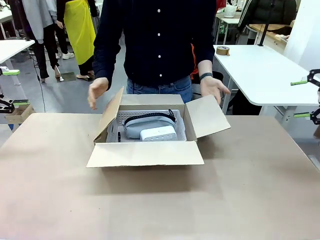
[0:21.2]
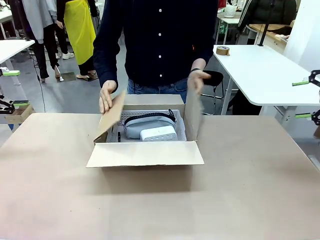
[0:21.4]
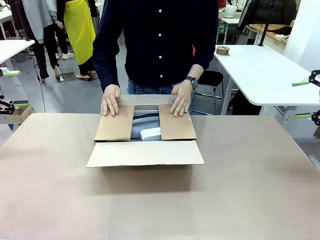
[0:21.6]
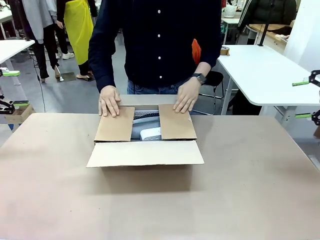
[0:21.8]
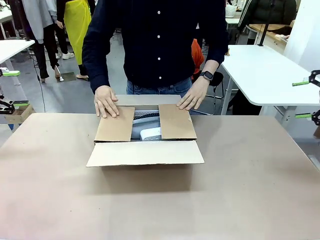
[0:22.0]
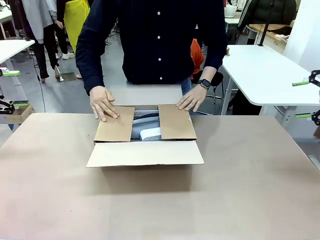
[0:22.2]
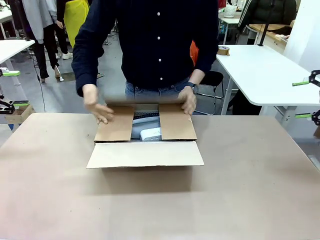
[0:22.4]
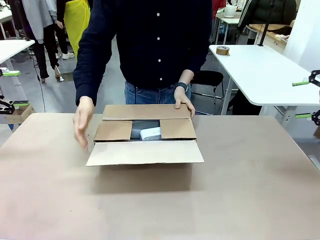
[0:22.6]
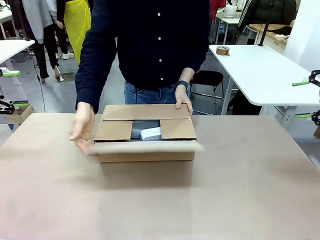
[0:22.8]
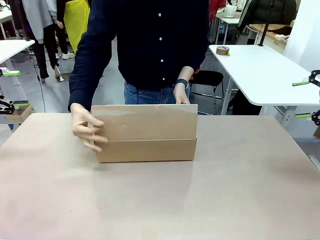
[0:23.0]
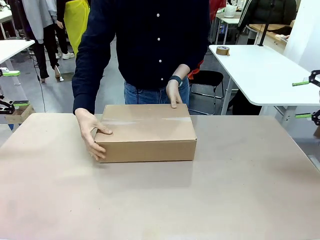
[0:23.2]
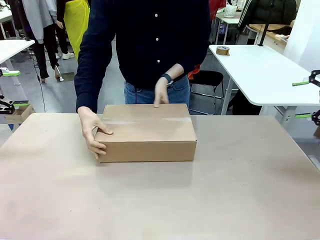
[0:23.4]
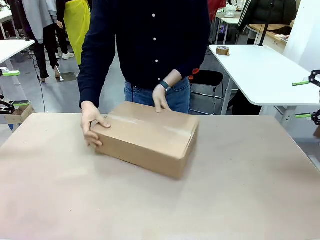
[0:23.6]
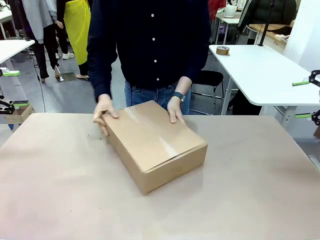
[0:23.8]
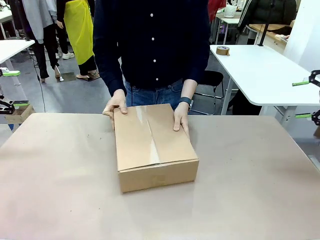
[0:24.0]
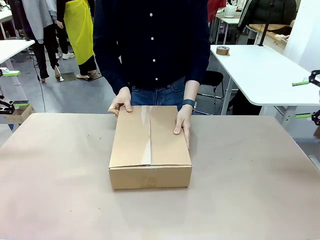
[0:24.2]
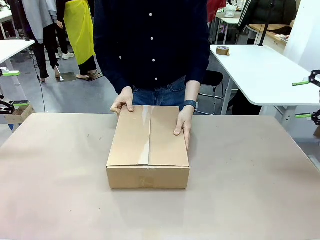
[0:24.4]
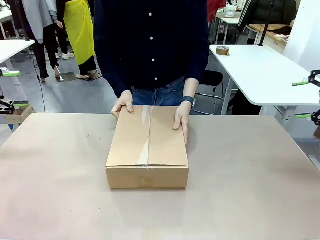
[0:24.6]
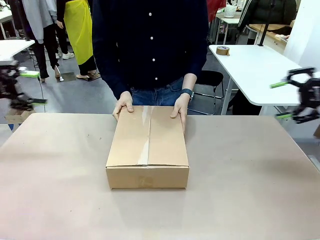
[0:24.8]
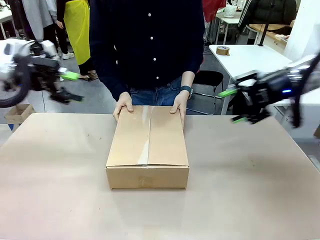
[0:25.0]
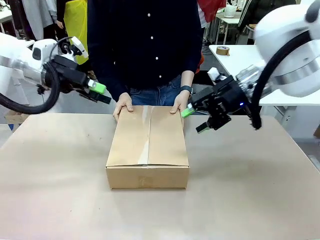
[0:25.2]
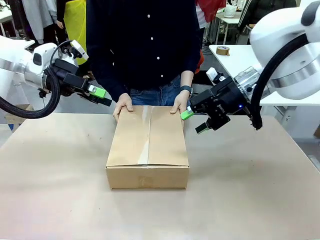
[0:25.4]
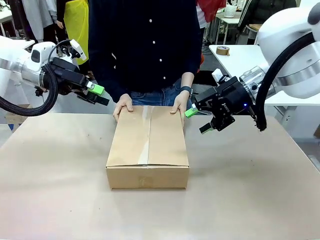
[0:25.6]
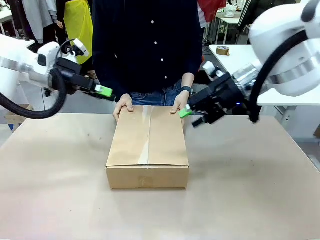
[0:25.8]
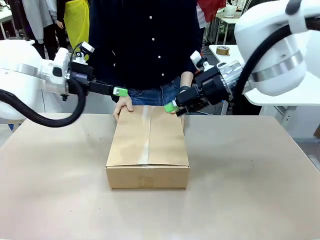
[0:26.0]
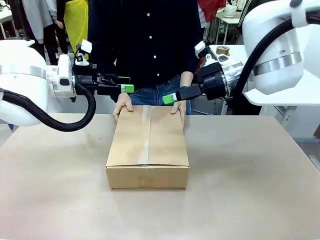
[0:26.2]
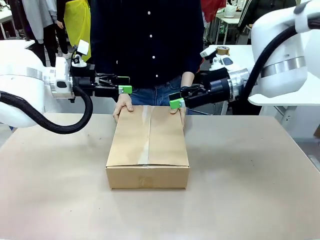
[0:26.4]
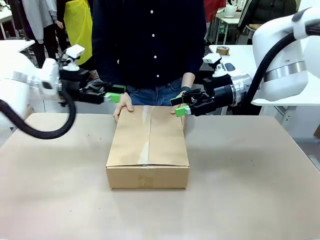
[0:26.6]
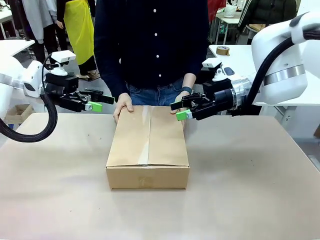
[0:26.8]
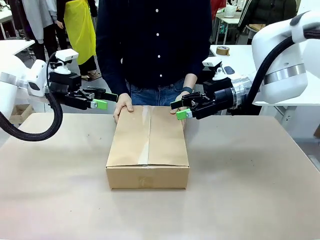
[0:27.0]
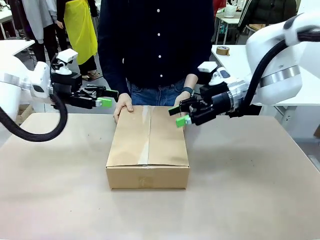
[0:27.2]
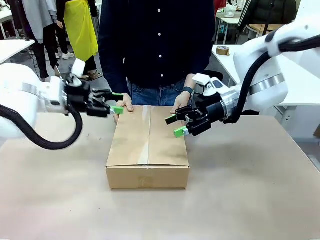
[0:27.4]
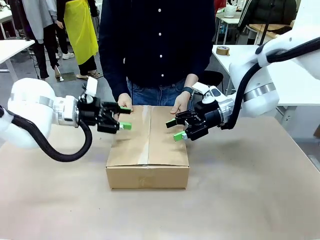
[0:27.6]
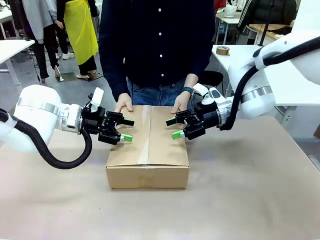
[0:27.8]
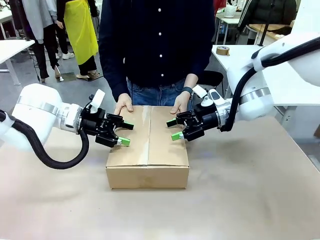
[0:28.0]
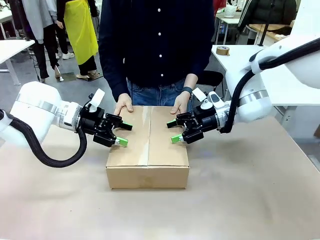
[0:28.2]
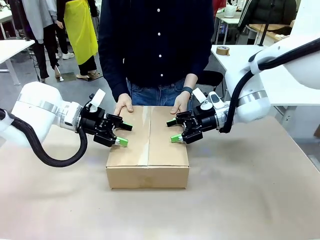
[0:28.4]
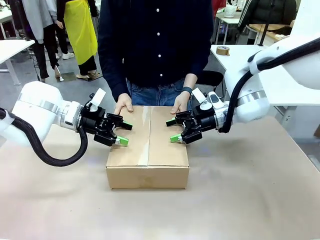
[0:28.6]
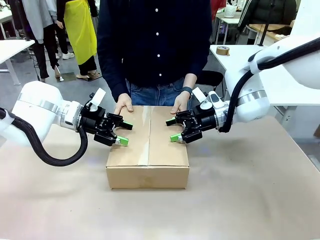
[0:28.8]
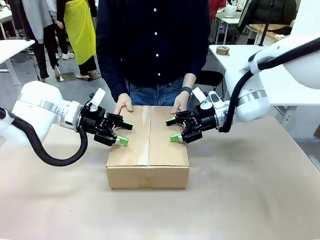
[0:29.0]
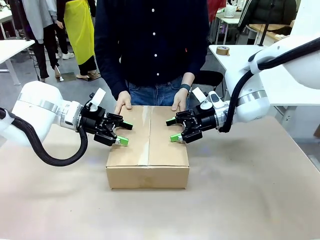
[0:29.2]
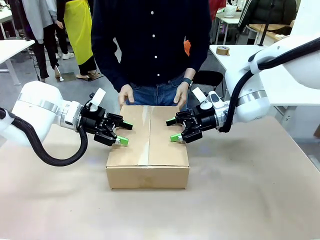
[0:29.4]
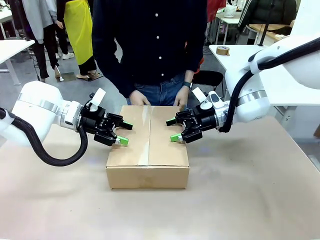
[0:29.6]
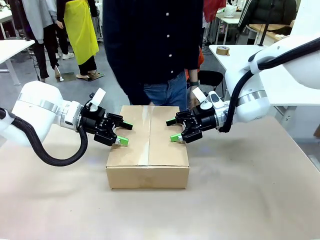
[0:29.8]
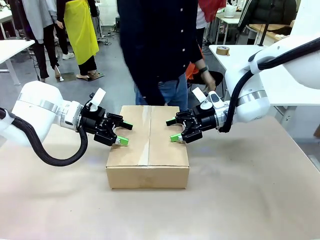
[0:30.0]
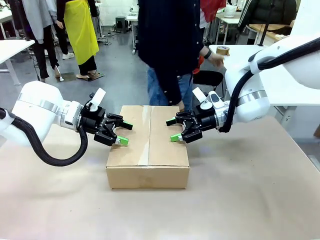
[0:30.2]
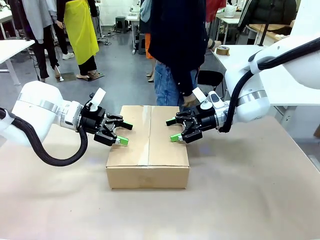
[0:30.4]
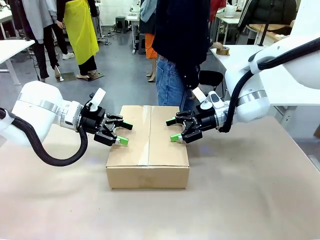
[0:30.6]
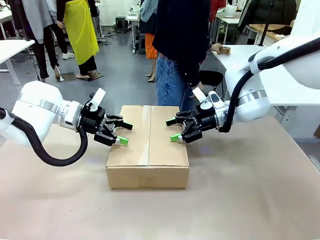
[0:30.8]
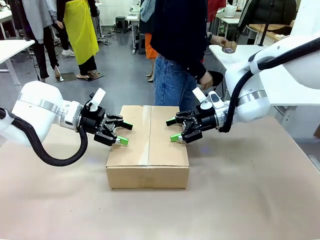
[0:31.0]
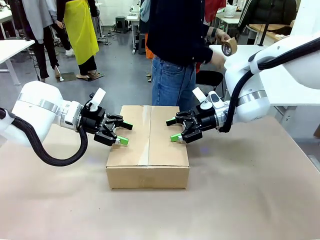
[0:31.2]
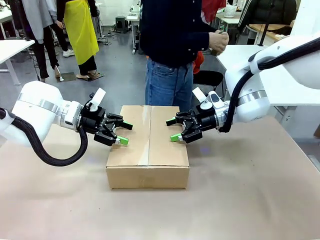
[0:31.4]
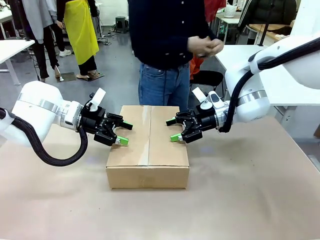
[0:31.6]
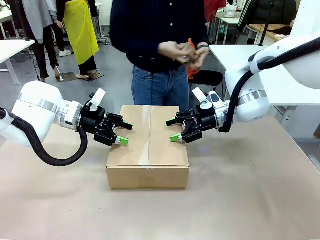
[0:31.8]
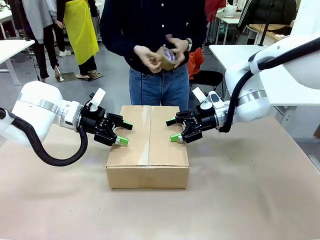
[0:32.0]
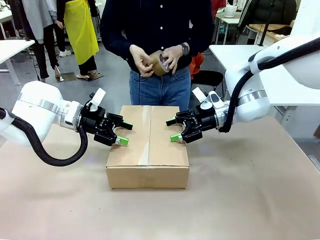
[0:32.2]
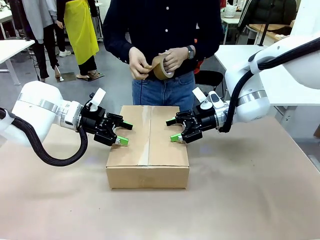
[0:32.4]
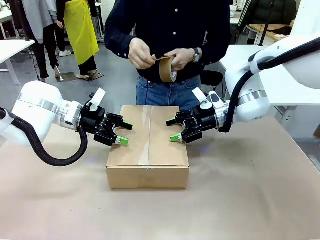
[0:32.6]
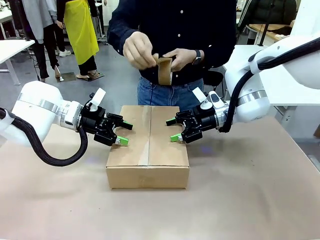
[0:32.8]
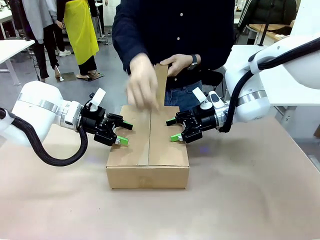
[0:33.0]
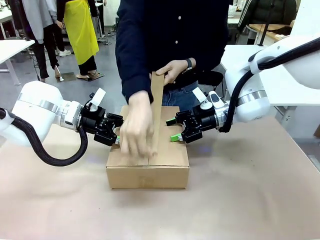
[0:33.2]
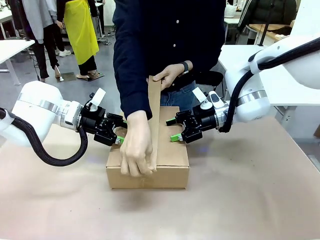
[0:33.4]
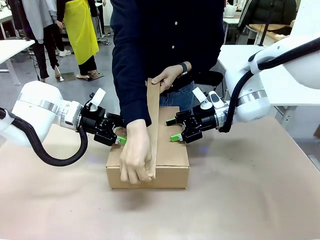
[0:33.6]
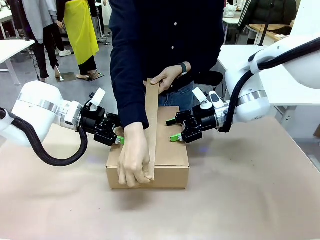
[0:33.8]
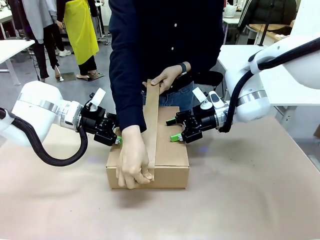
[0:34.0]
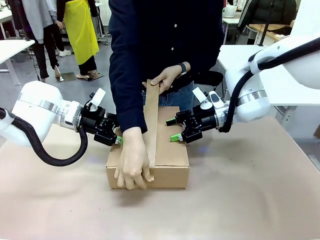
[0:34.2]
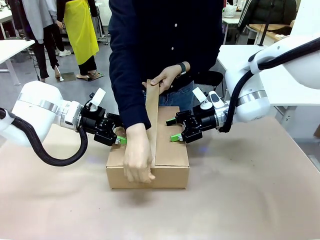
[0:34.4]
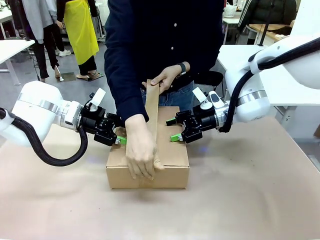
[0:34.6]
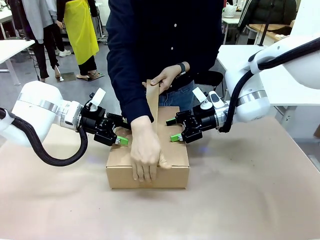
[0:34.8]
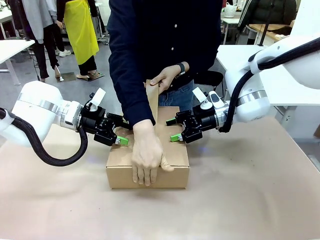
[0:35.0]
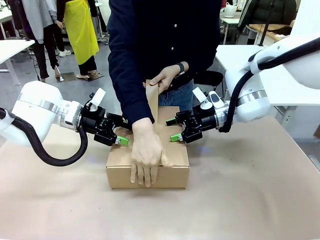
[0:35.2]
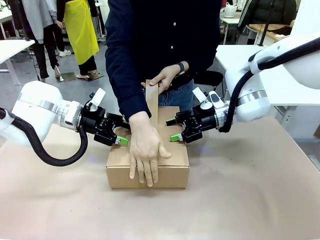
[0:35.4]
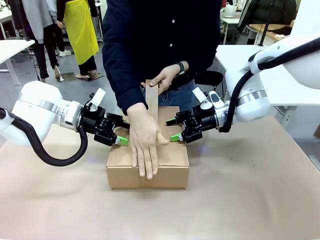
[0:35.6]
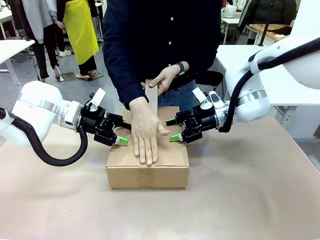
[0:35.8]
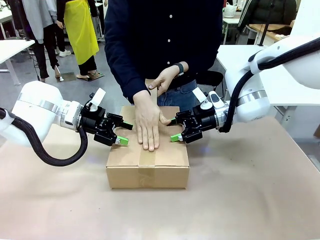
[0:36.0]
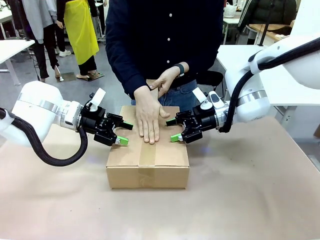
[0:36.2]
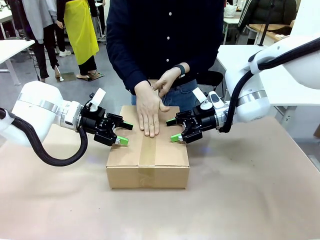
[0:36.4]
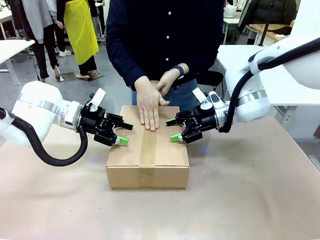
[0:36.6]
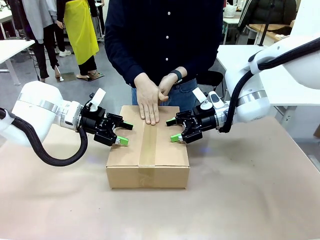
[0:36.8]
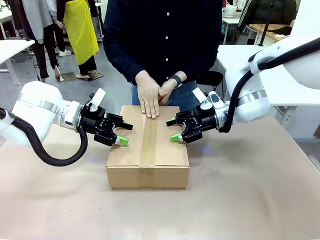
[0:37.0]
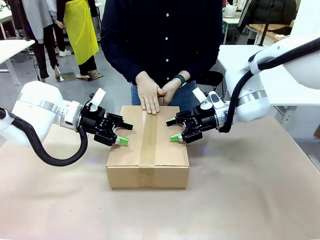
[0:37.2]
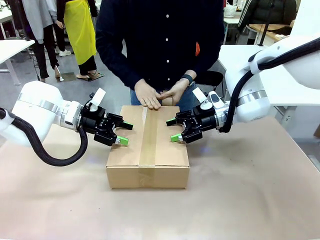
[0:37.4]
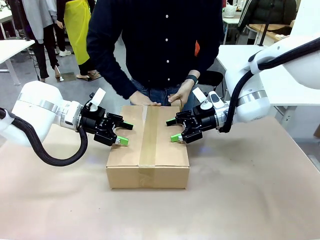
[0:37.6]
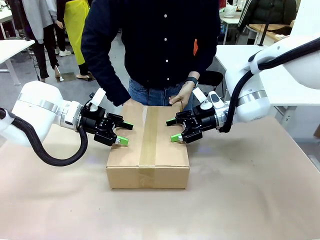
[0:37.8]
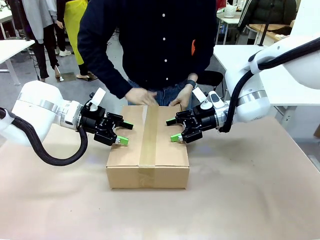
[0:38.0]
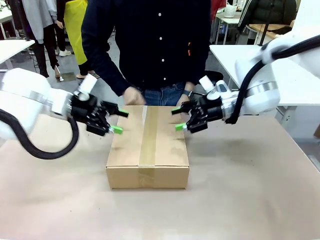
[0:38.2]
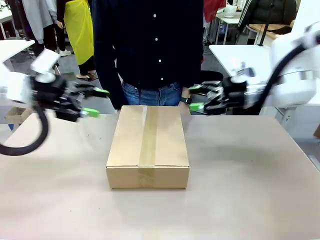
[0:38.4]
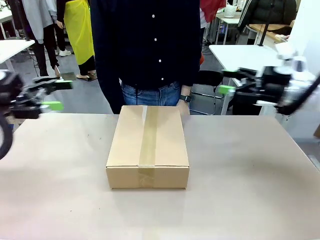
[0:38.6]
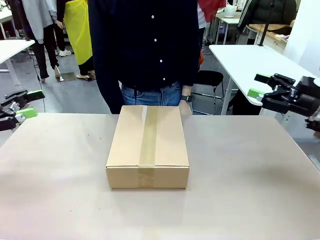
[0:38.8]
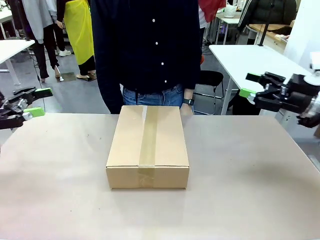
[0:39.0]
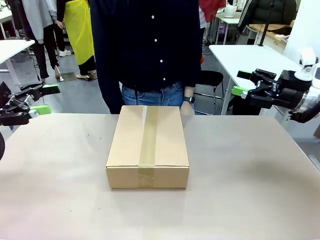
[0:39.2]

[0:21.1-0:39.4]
Task: Pack the gift set into the box.
Robot: Press and hold the closed box until the human finishes sealing it.
Person: The human closes the box and rotates the box by 90 degrees. The human picks up the paper tape from the human table and packs the box.
